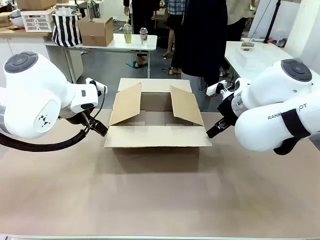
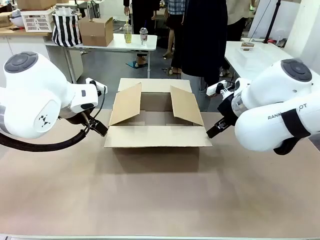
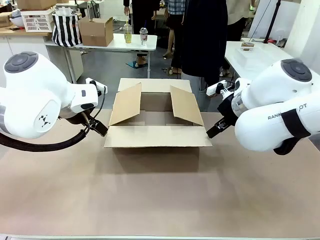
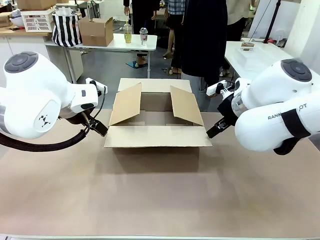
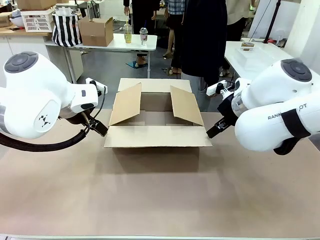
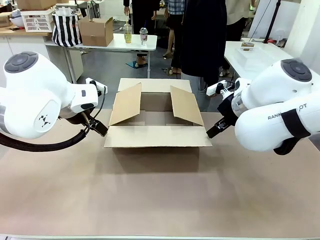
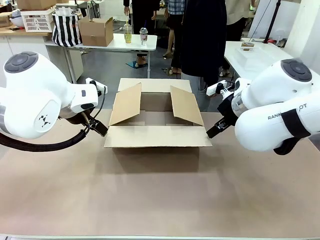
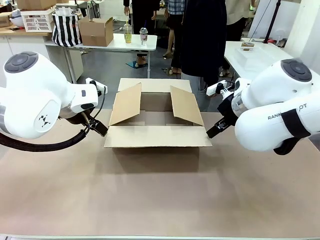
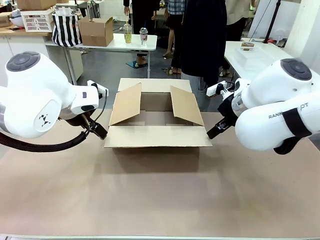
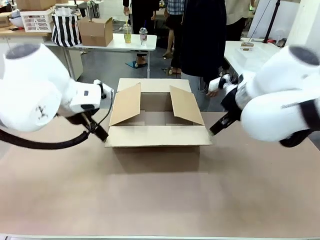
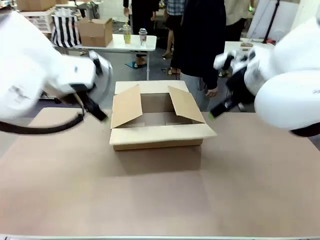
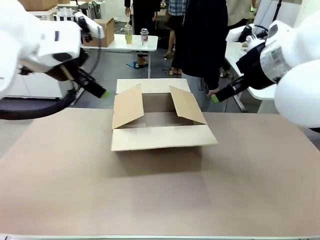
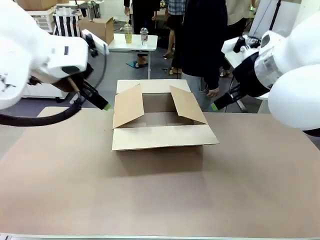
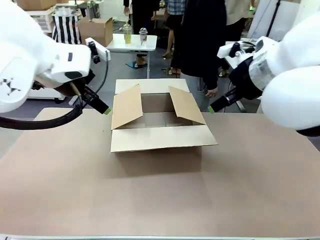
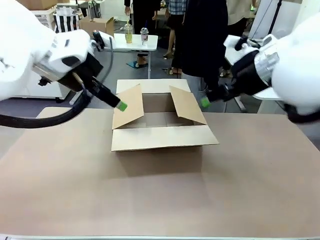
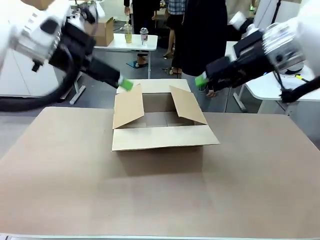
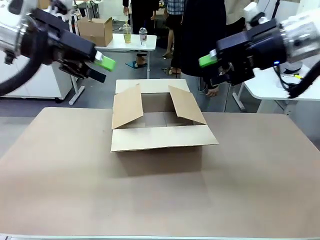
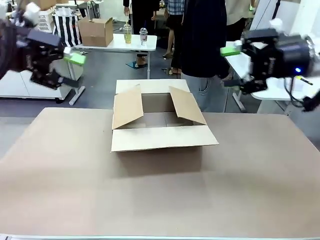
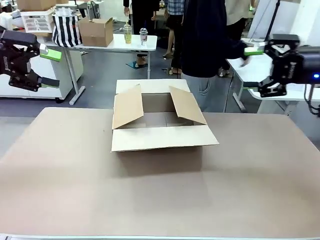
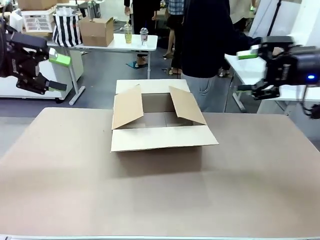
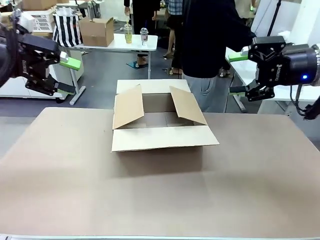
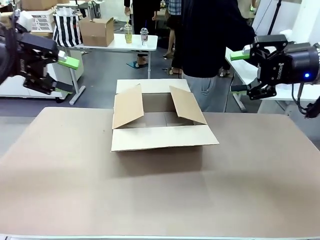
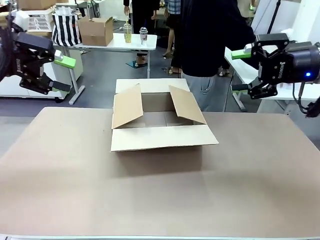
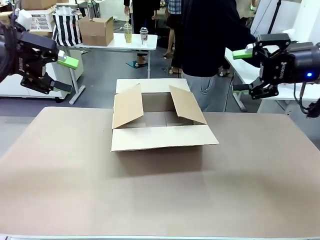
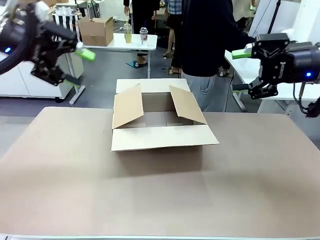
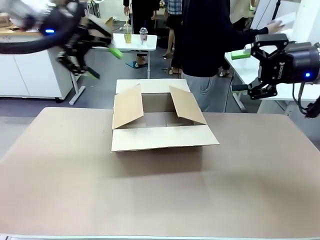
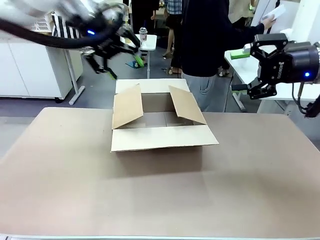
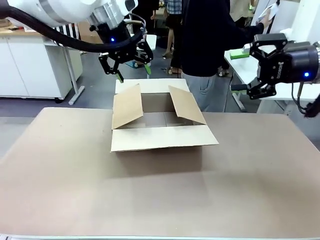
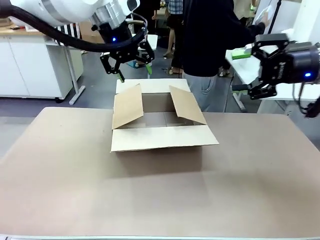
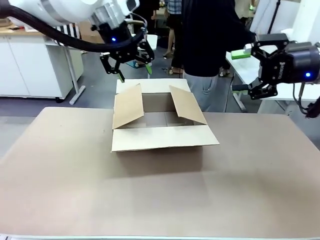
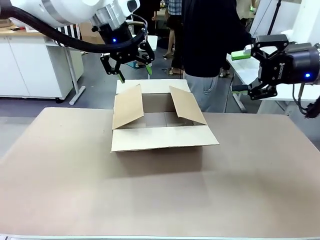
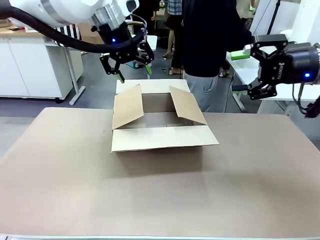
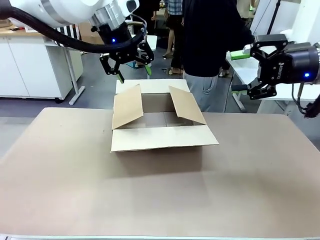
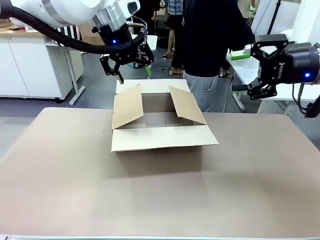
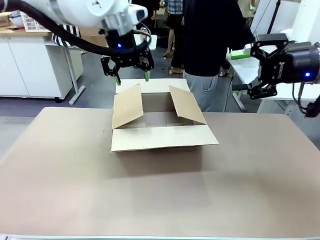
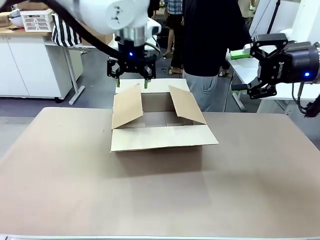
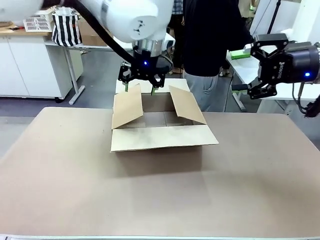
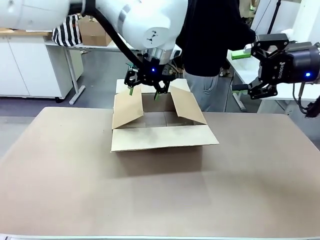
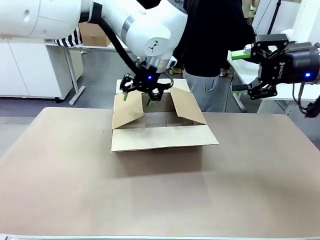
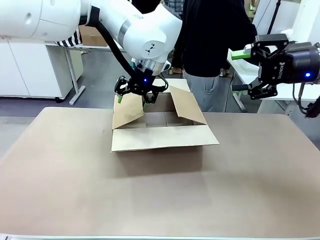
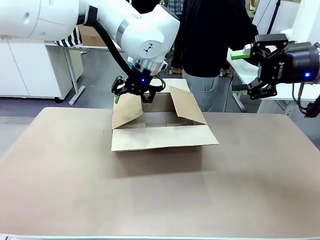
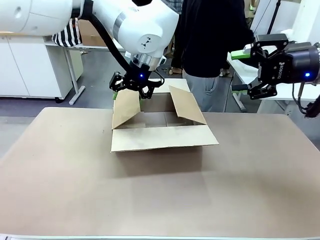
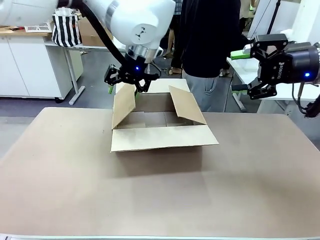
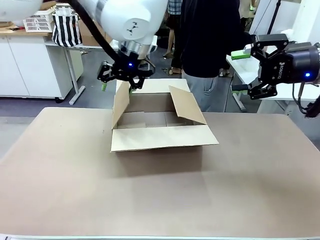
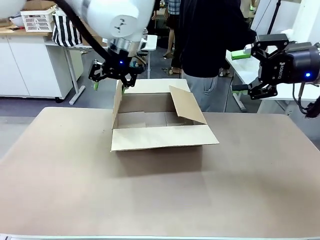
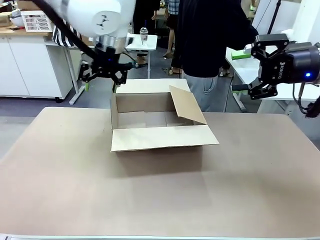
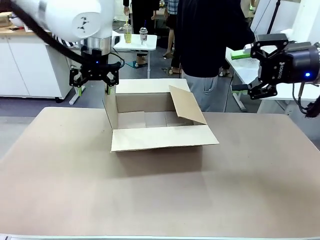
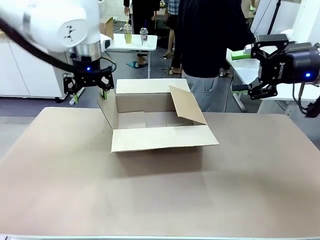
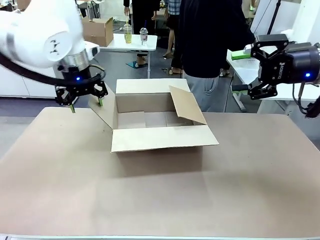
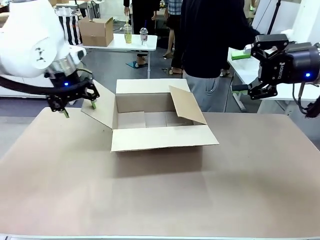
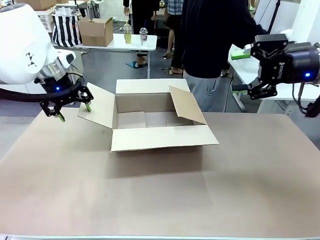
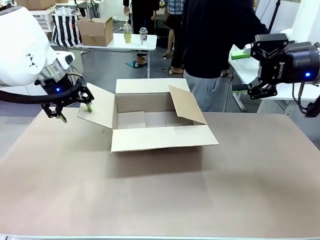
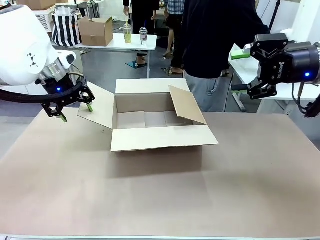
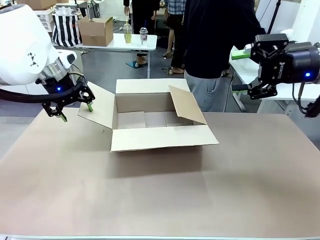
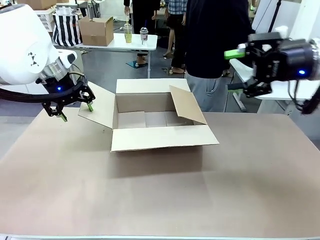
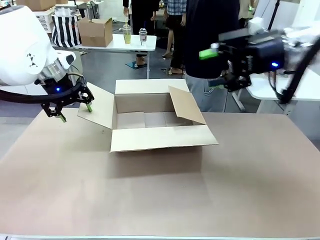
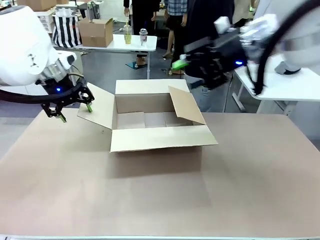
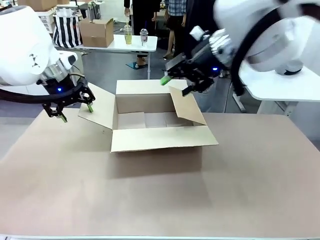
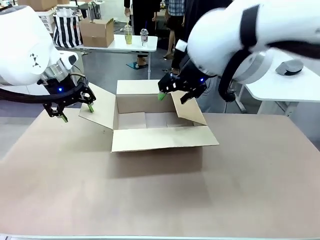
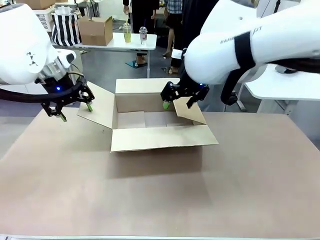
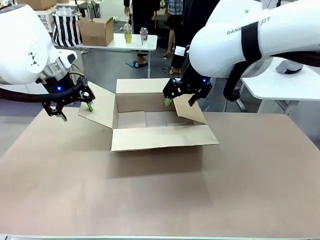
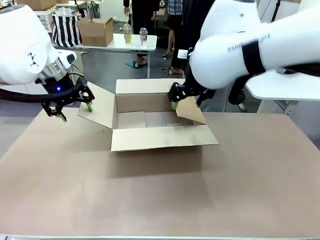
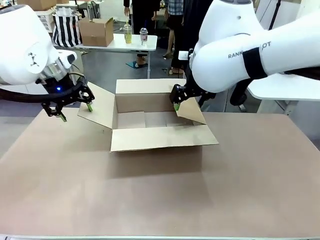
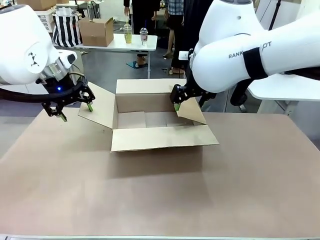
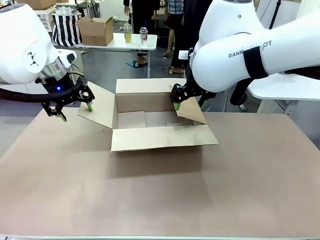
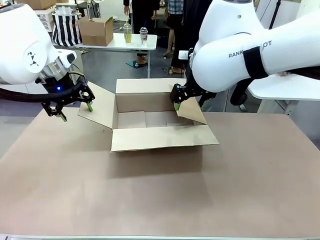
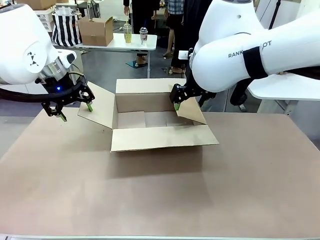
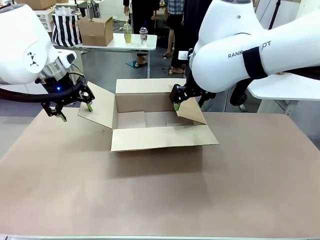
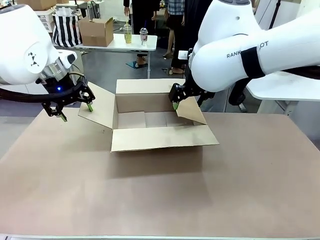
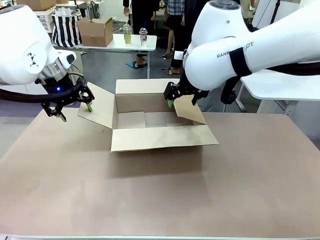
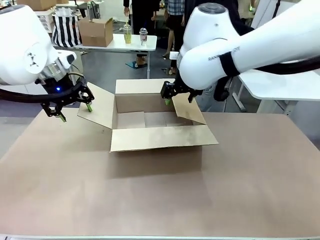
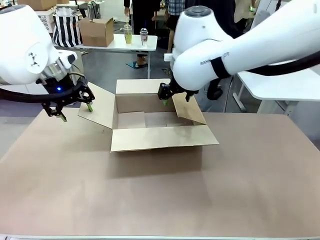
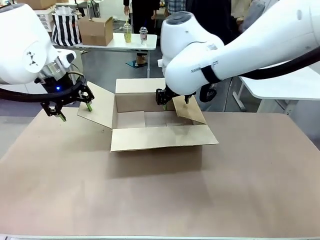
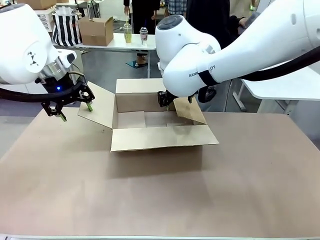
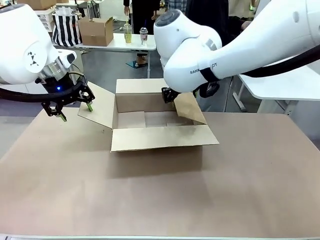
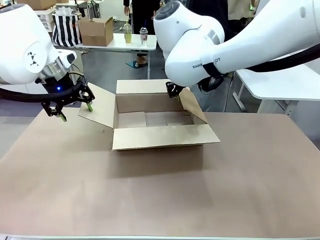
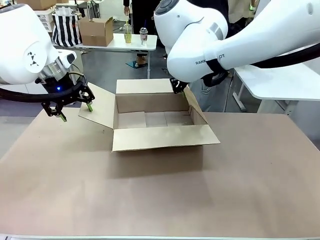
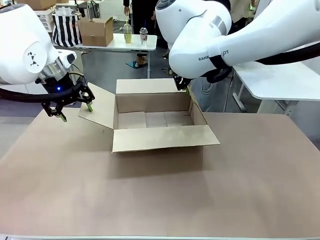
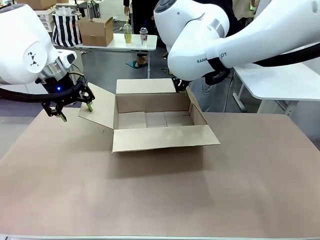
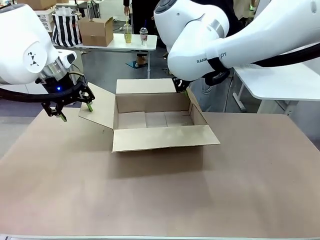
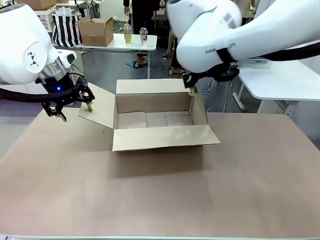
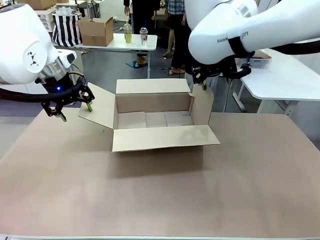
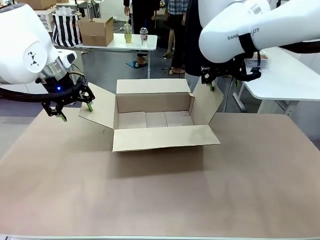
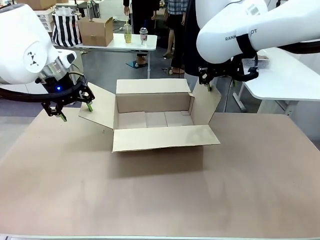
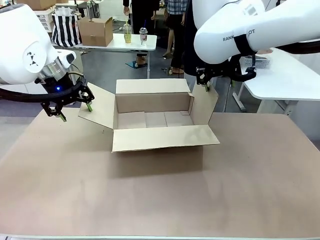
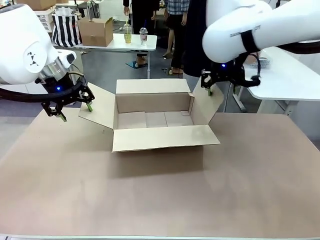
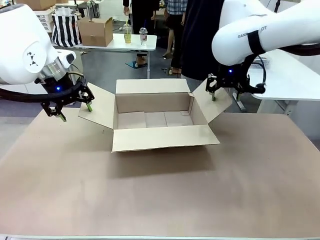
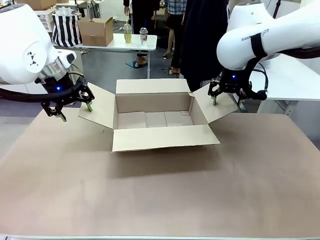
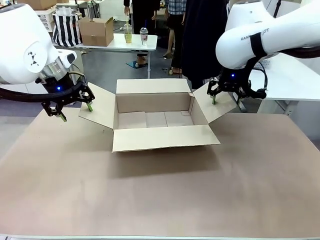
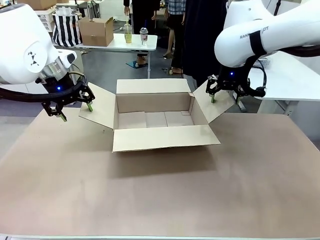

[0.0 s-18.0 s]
Task: Pack the gift set into the box.
Robot: Place both hands on the side flaps of the Package Box and spread them outward.
Person: The human places all items except the paper tape into the organizing basket.
